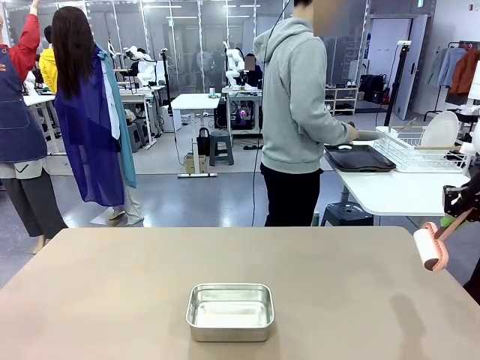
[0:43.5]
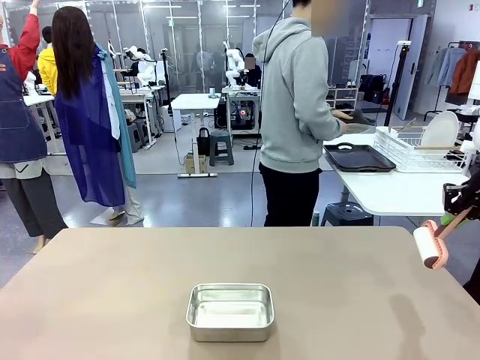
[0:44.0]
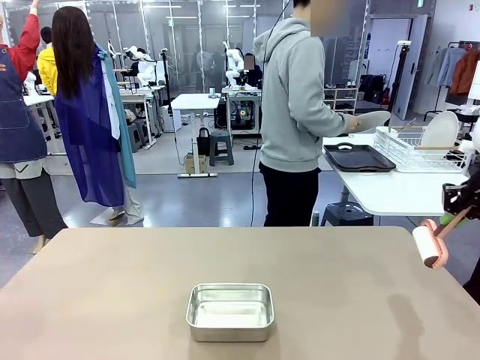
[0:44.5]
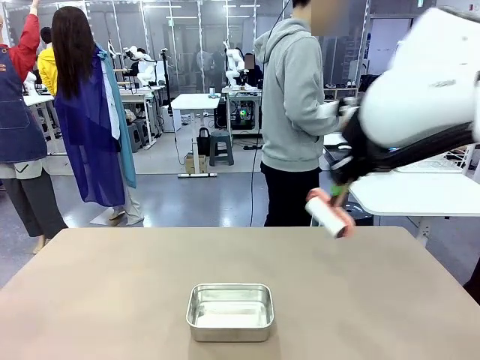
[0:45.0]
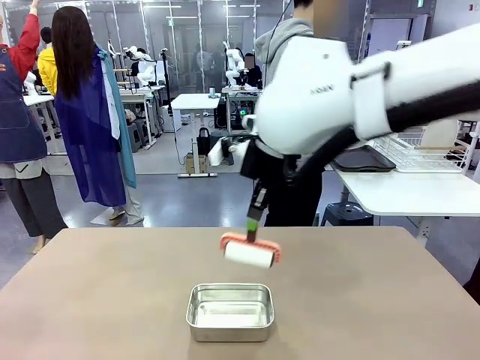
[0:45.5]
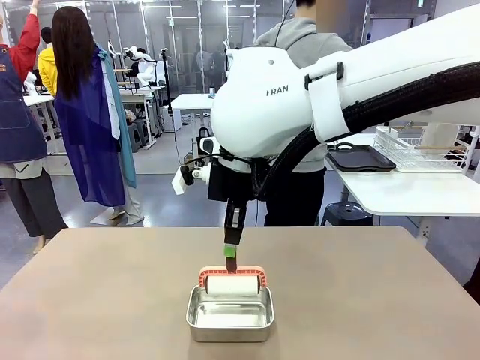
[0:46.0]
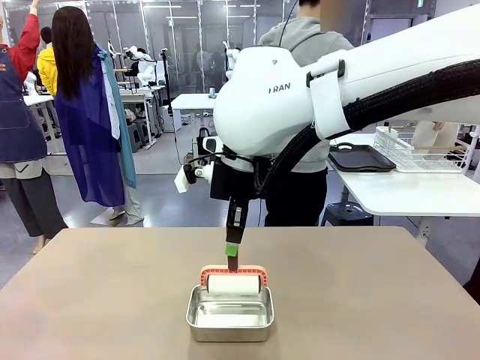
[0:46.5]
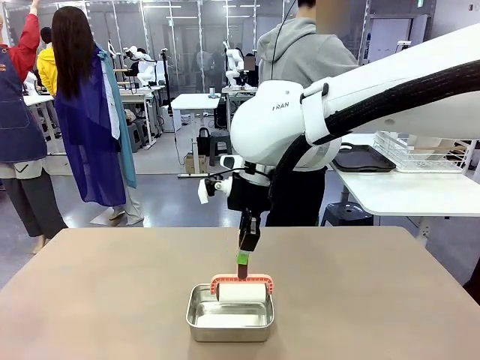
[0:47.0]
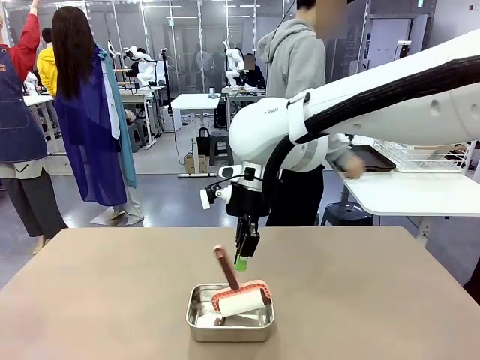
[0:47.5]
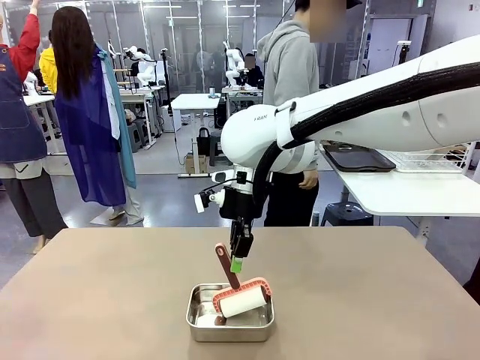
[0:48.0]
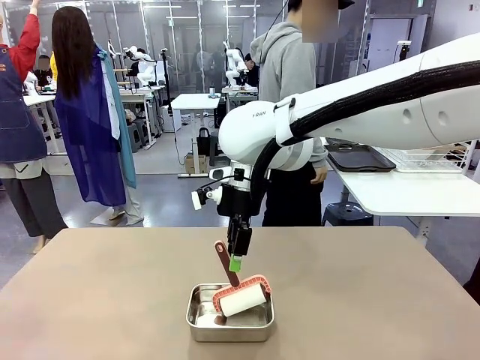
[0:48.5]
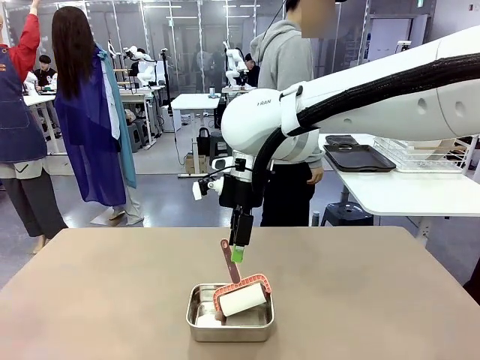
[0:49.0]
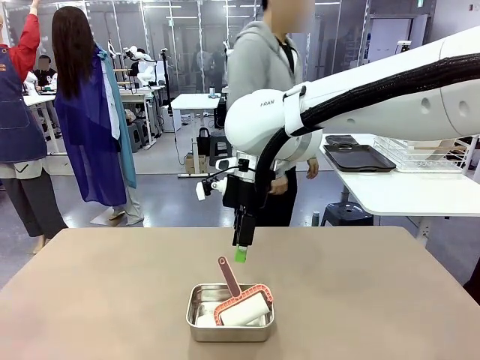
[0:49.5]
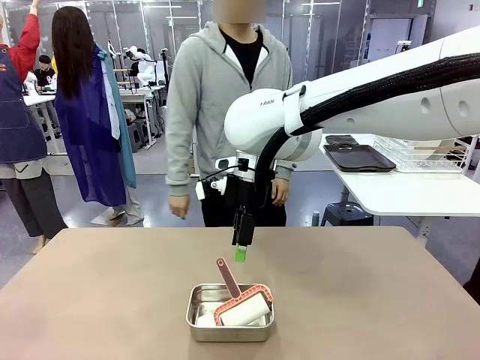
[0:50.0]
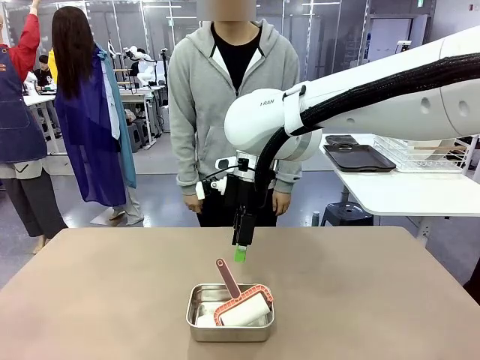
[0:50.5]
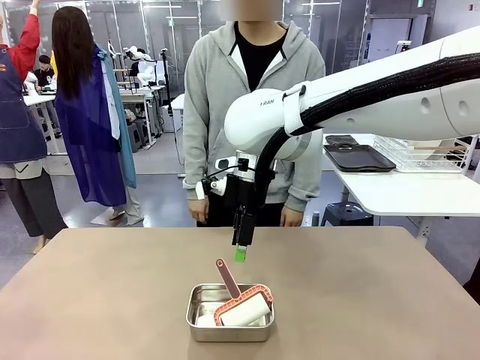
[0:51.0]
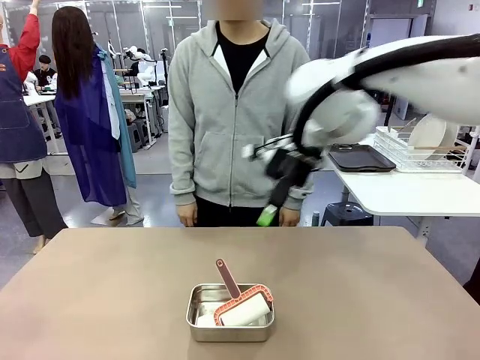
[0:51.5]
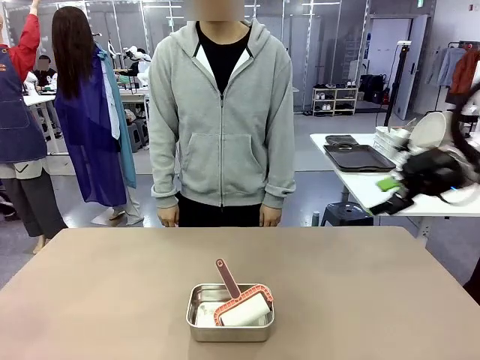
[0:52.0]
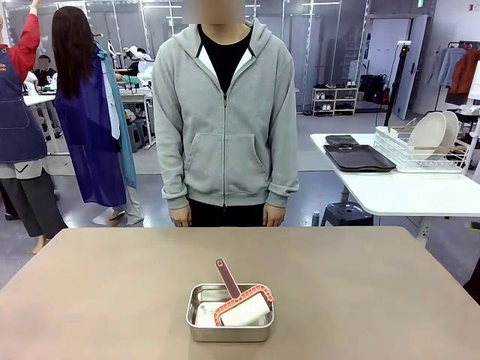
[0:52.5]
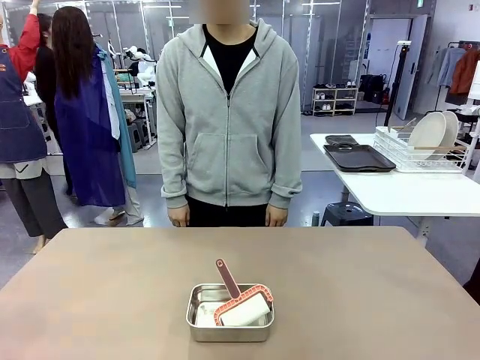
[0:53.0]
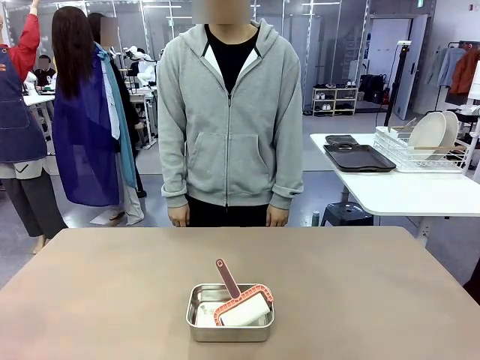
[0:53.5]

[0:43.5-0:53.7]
Robot: Place the Lint Roller back on top of the Airtight Container.

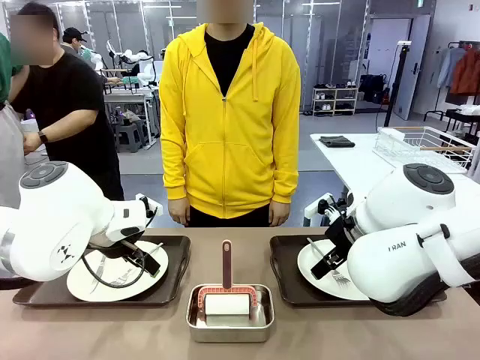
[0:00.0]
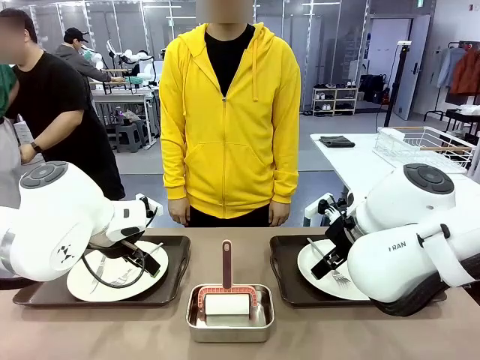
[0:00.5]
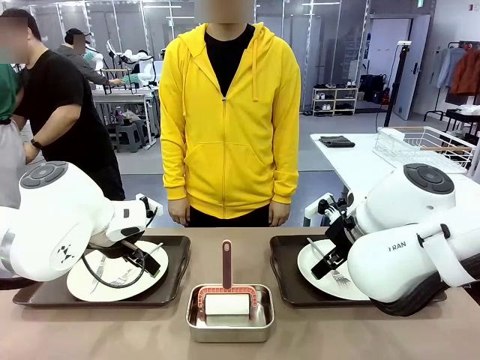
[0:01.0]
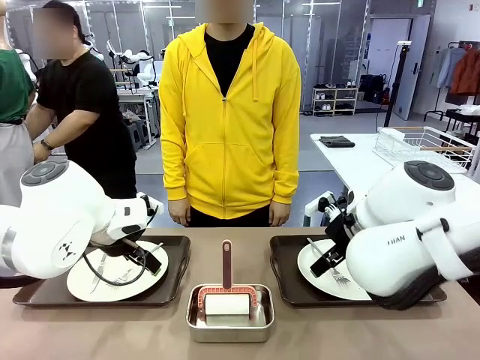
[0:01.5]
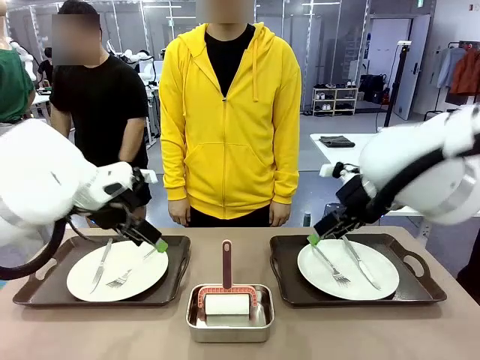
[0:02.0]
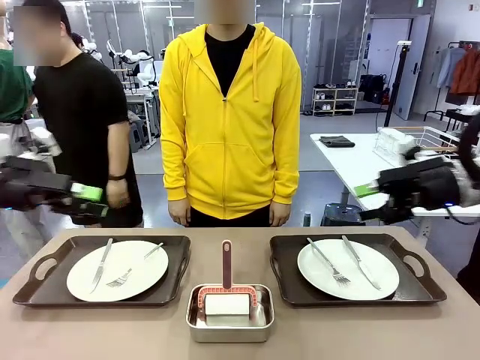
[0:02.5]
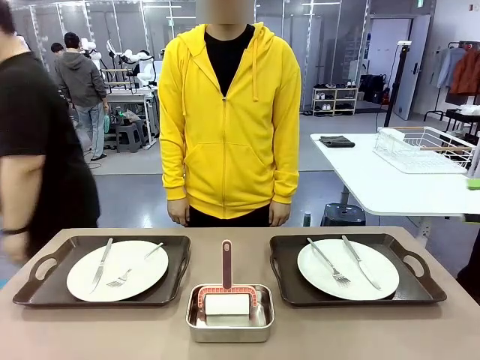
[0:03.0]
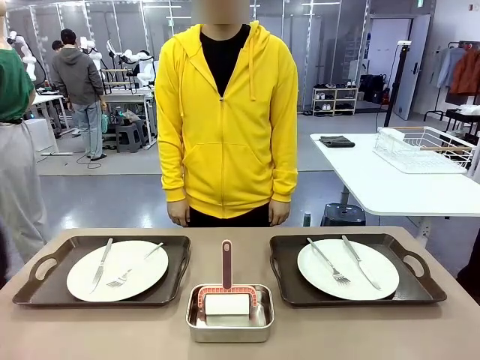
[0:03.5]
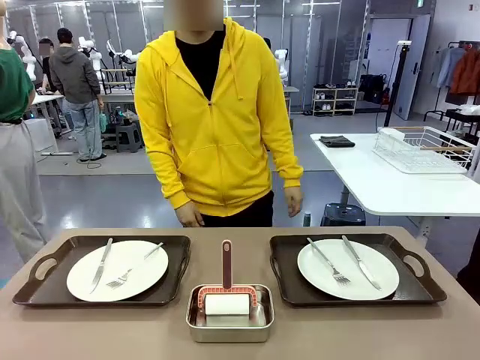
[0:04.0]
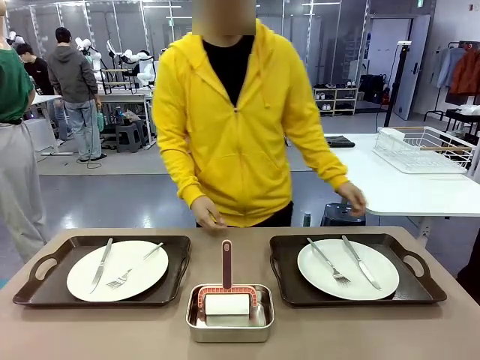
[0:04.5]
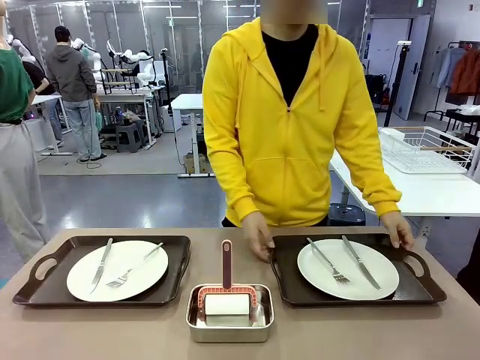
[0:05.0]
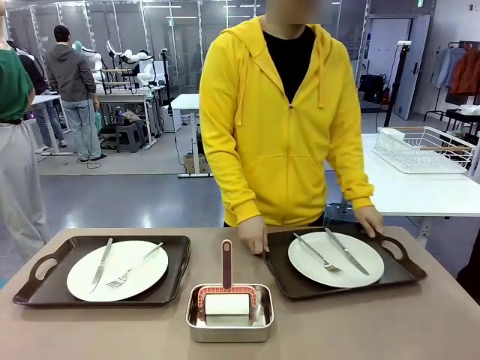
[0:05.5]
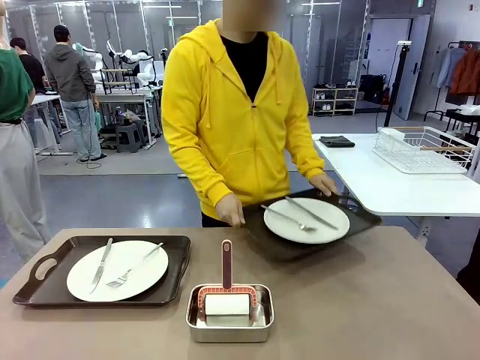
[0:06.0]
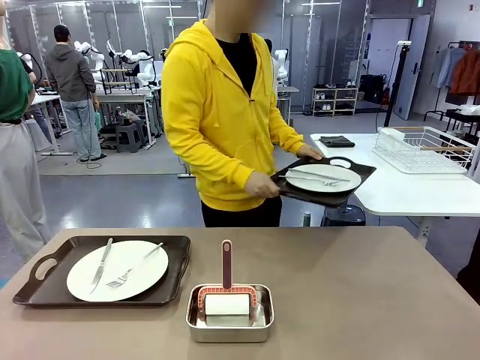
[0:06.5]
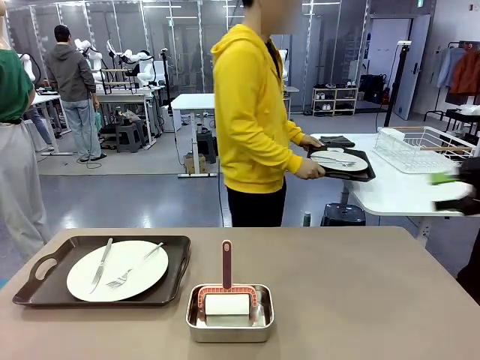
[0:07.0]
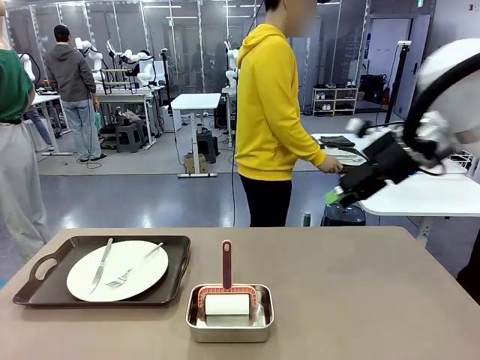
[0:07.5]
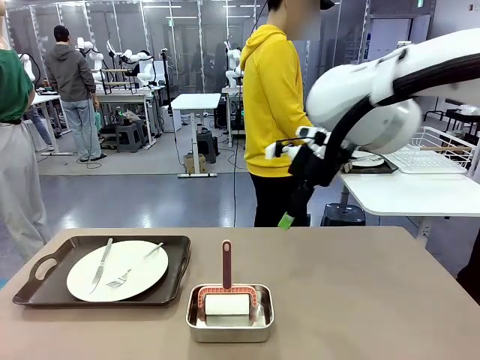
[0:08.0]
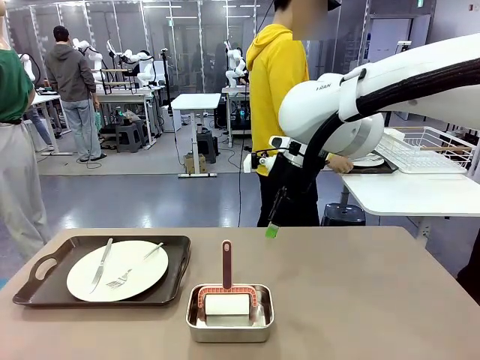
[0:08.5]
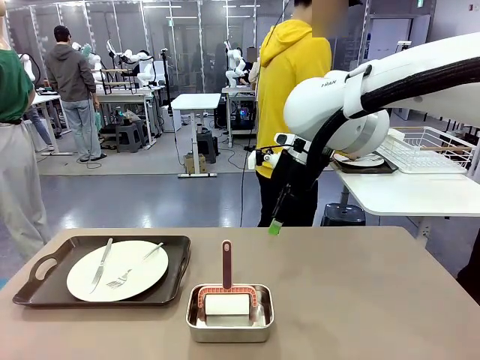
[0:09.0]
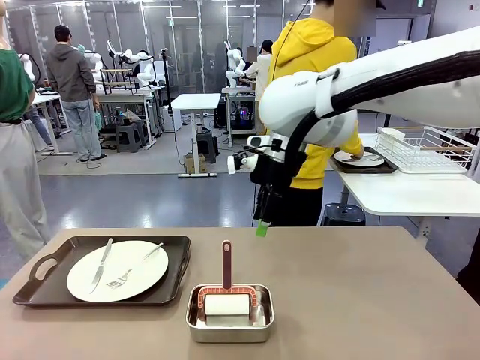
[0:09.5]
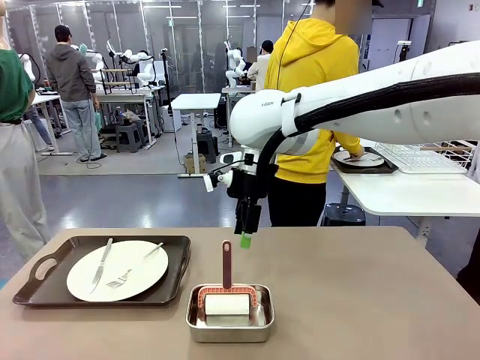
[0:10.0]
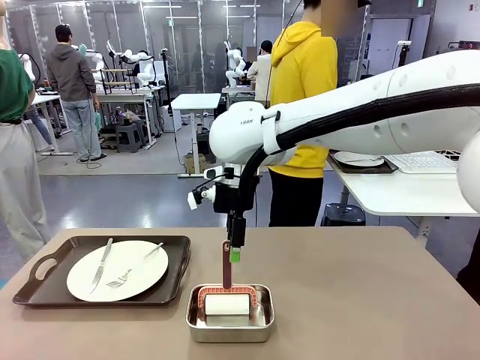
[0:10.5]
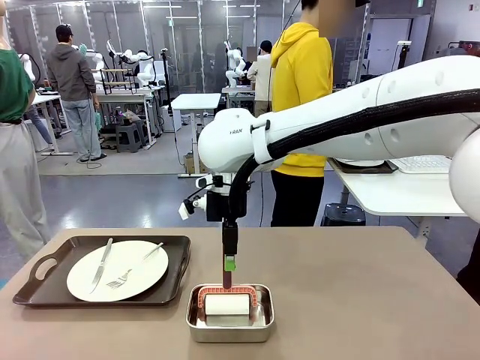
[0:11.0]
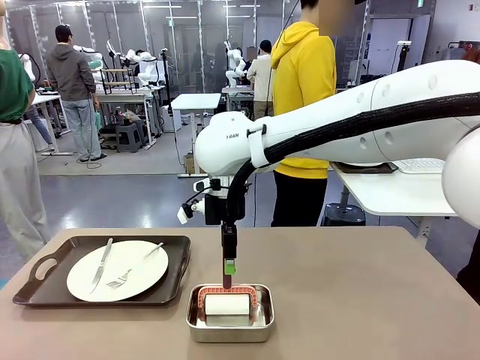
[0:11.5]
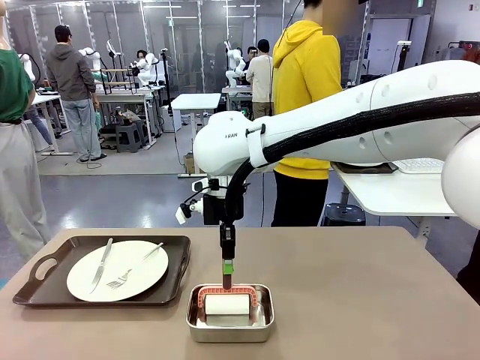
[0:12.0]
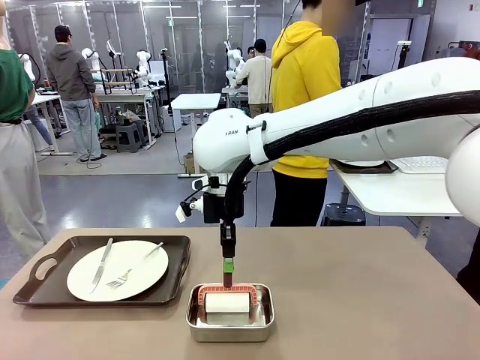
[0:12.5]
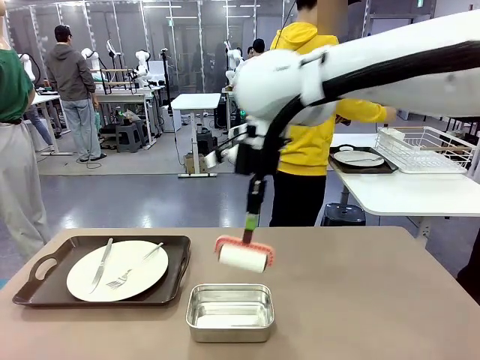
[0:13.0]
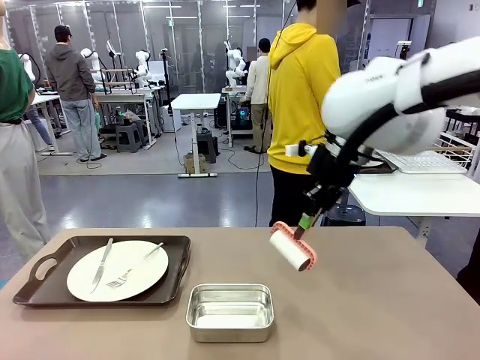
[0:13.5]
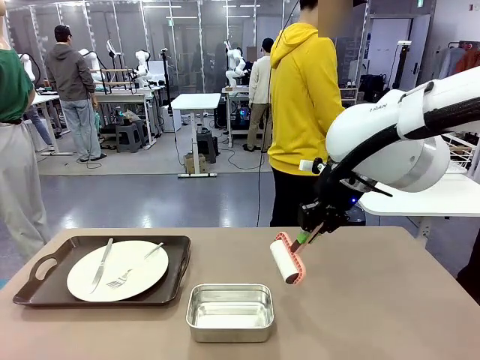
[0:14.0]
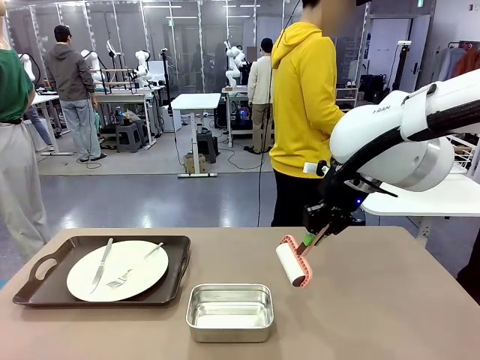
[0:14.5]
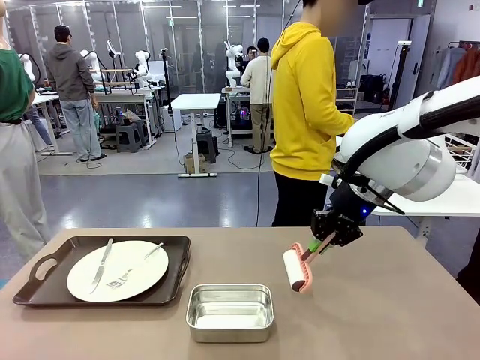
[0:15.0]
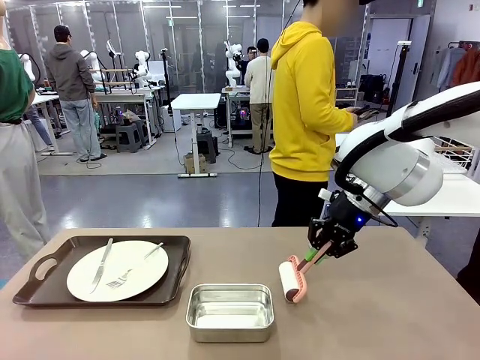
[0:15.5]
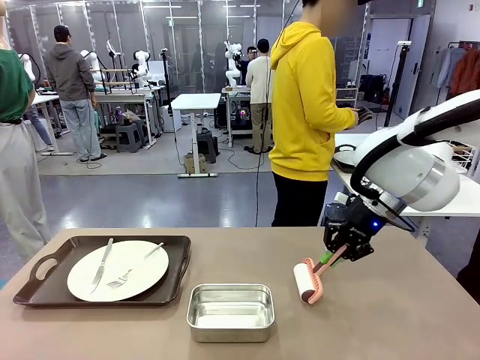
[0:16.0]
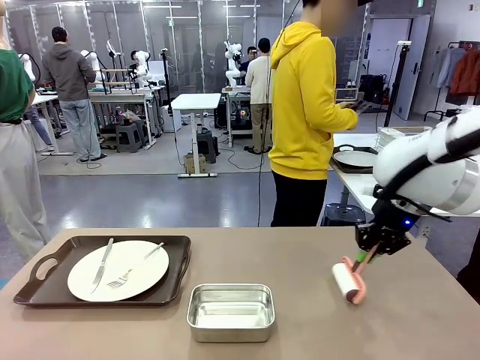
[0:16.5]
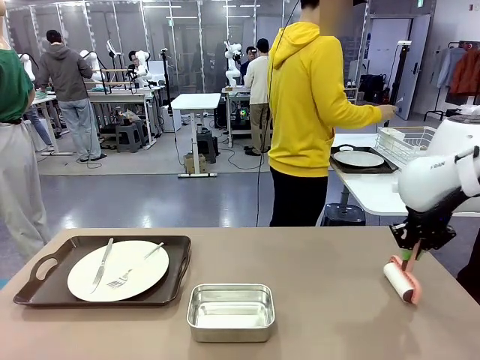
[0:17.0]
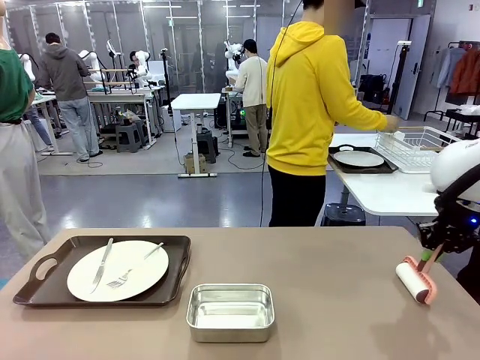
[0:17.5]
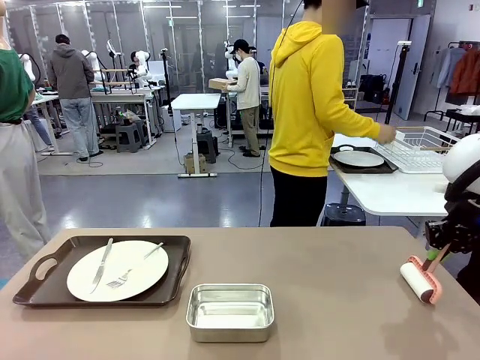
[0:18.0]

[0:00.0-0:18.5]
Robot: When the left (or right) Handle tray is removed, use the left hand (or right hand) to clean the left (or right) side of the table with the Lint Roller.
Person: Pick up the left (or right) Handle tray and place it on the middle of the Human's table. Use the Towel with hook to wipe the Plastic Matte Plate , Fork , and Knife and place into the Dish drying rack.
